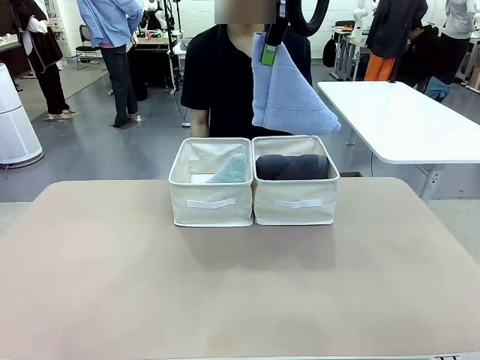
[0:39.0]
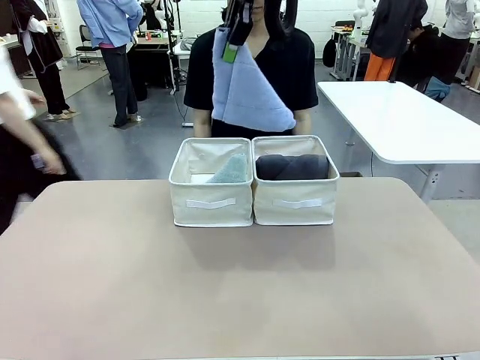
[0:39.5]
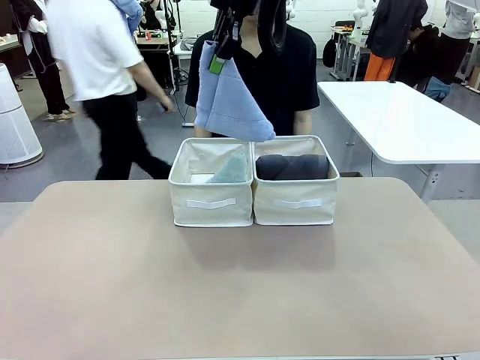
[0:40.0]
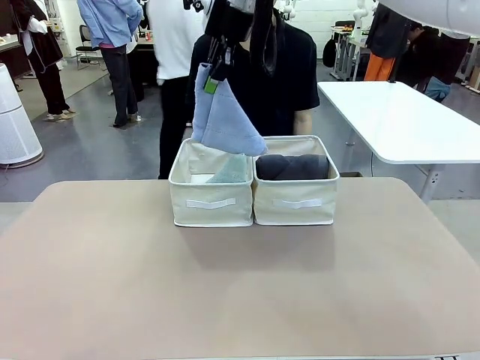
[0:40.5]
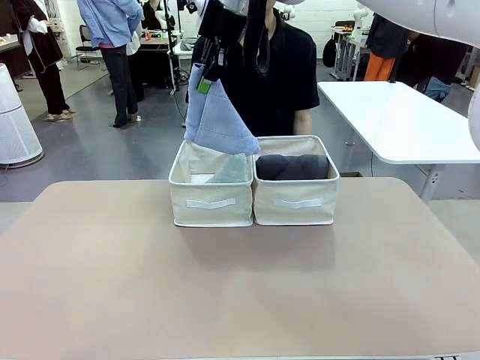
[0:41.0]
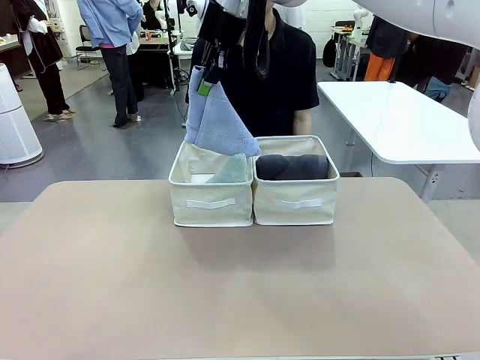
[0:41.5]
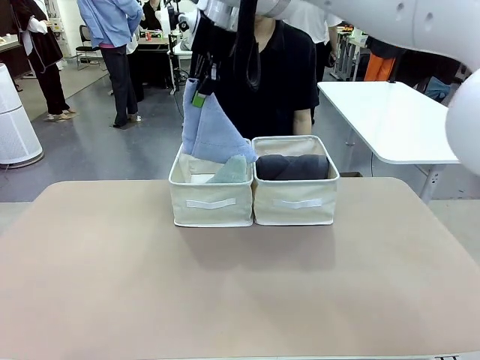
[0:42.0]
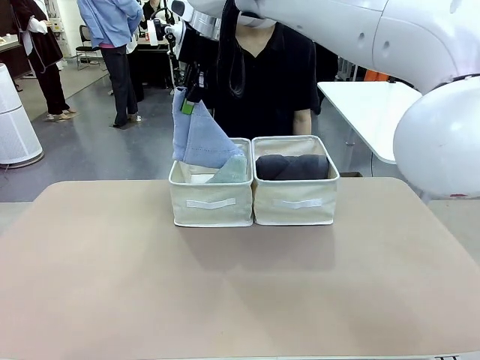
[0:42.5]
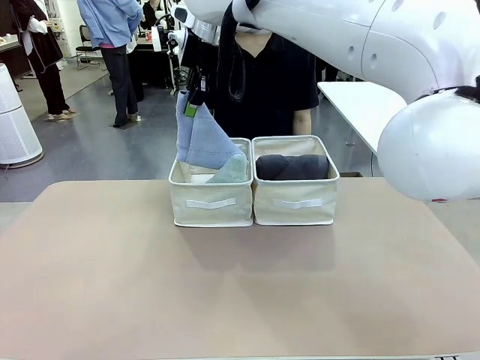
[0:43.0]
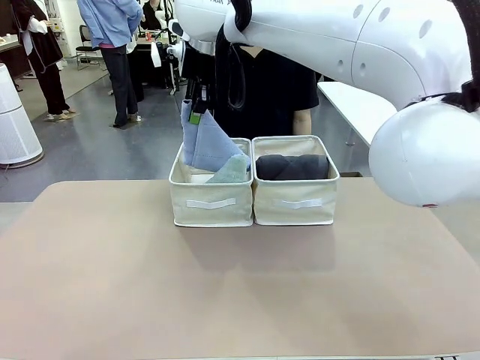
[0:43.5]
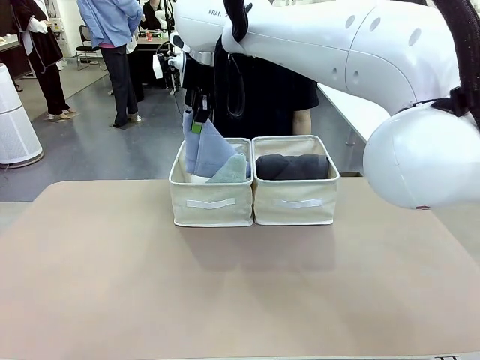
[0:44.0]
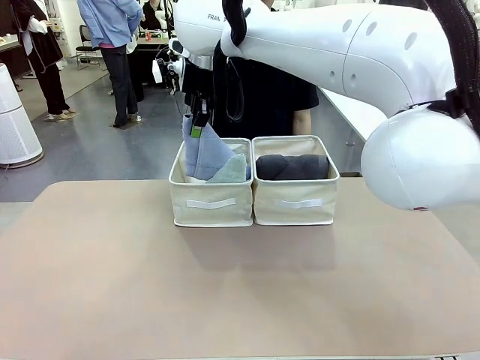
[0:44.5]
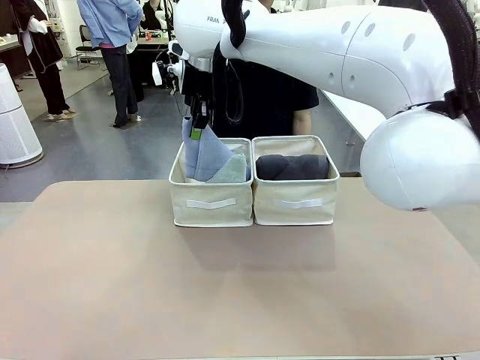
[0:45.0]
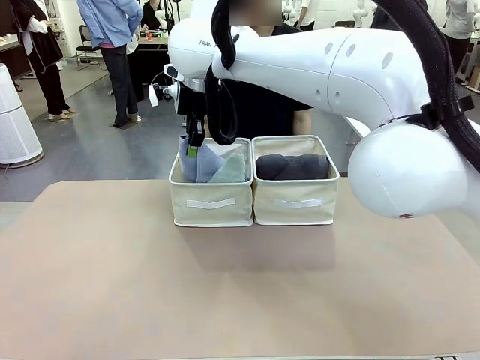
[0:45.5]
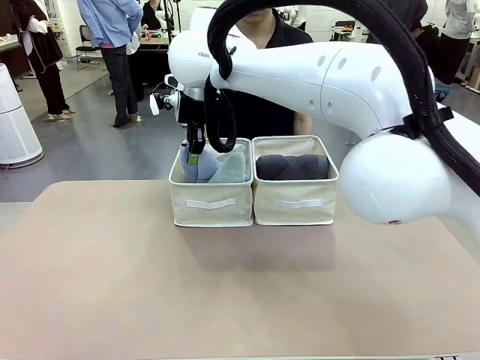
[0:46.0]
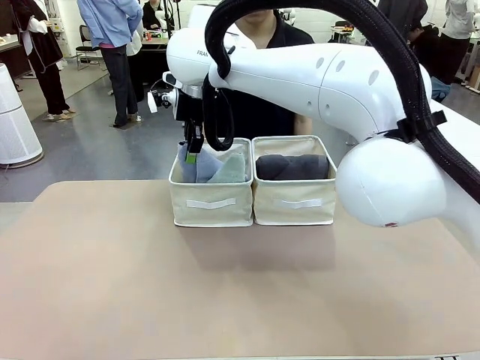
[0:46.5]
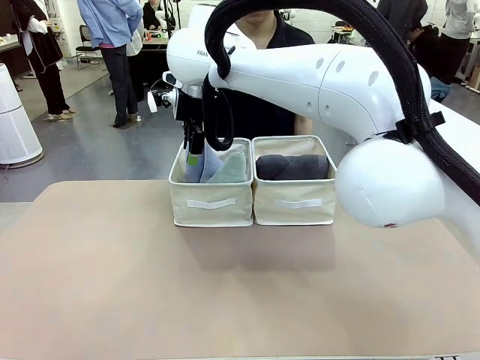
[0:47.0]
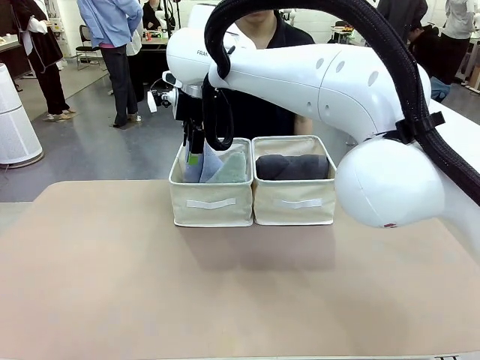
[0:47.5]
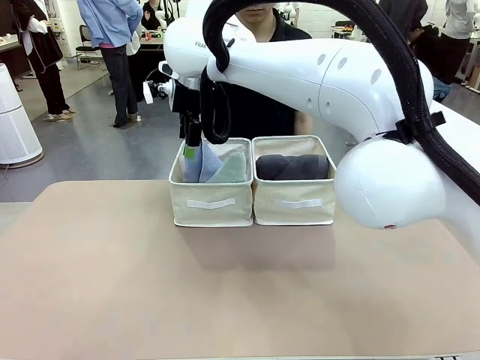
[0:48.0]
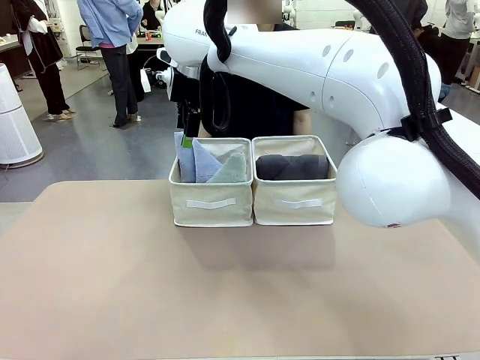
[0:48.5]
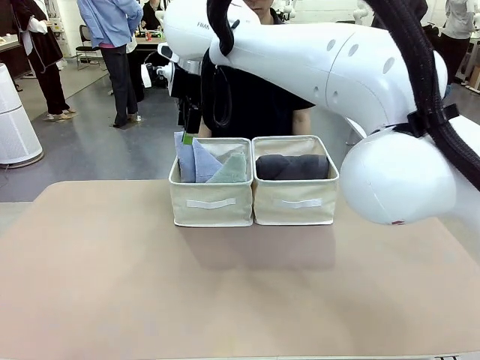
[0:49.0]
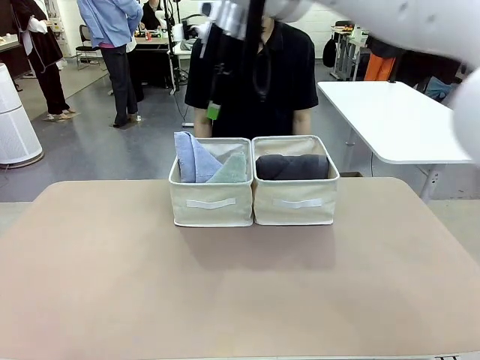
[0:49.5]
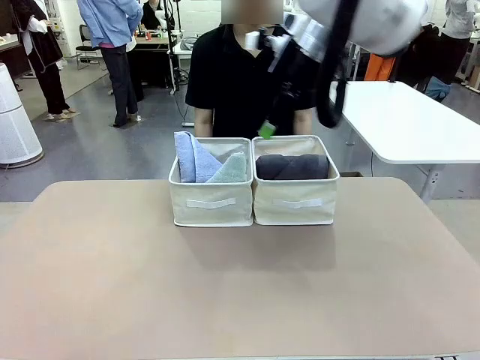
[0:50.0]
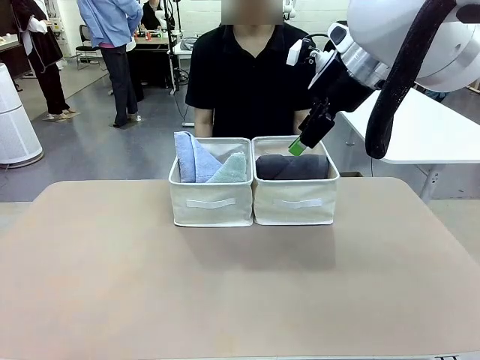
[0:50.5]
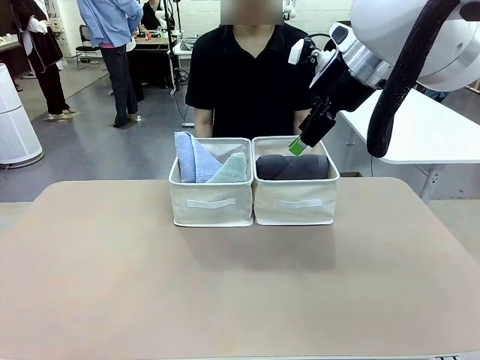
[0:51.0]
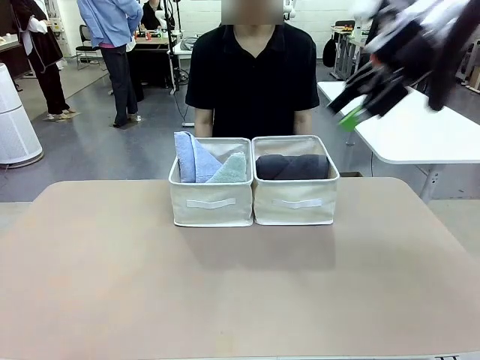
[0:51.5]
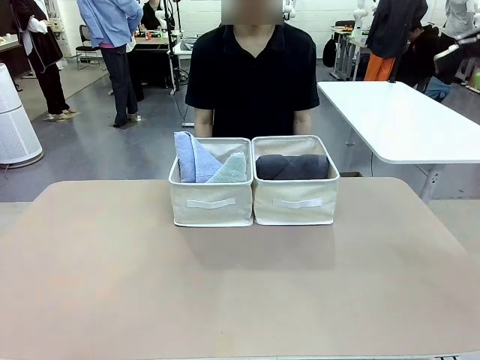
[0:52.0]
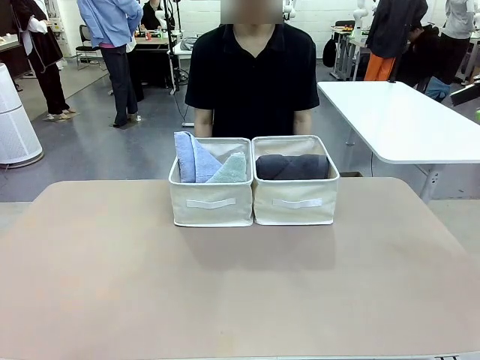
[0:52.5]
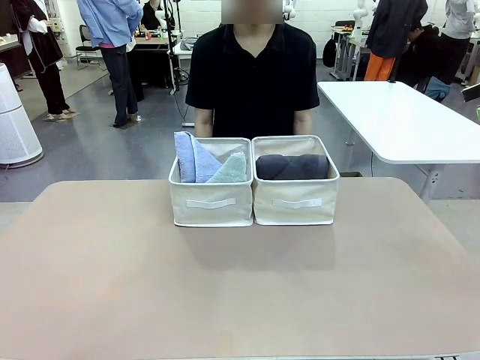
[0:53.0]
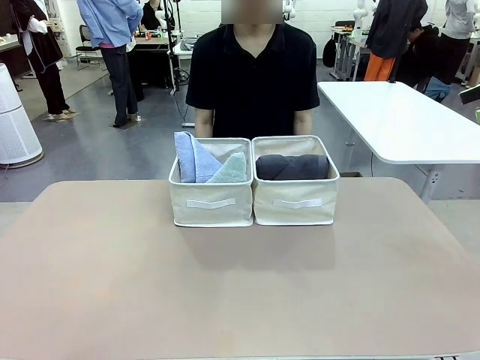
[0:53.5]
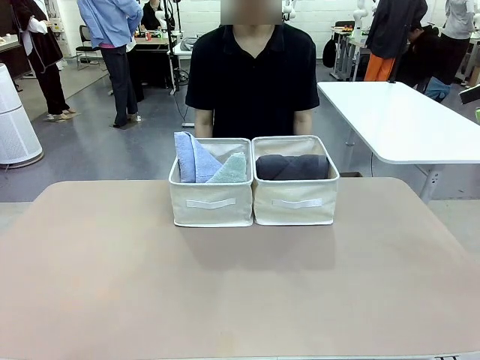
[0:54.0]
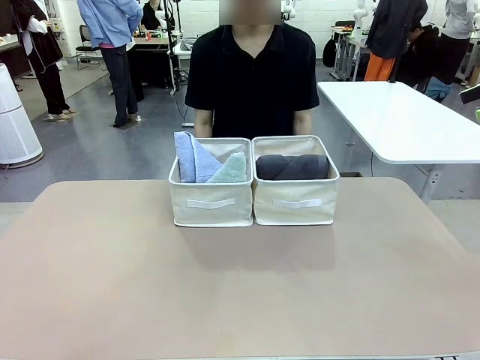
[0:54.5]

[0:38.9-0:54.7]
Task: Sort the towels based on their folding style.
Robot: Pick up another triangle-folded towel from the table and place it in the left Fabric basket.

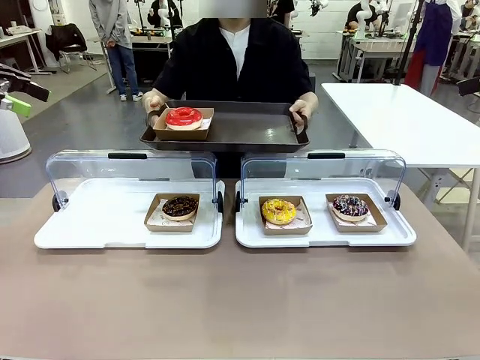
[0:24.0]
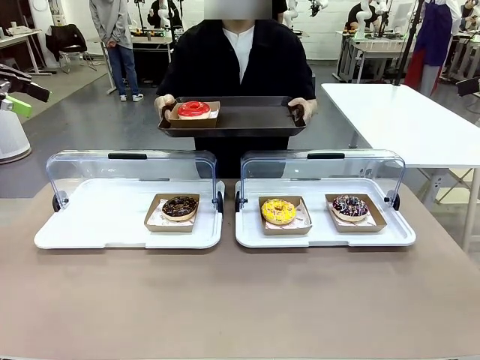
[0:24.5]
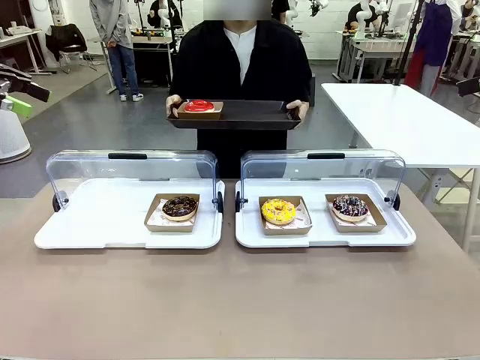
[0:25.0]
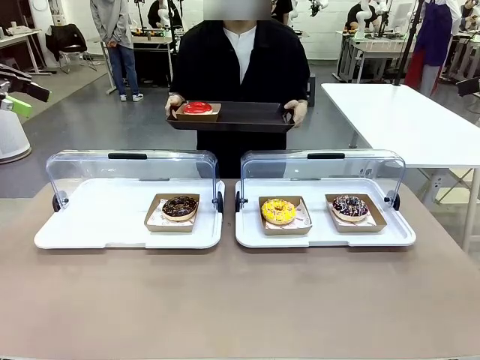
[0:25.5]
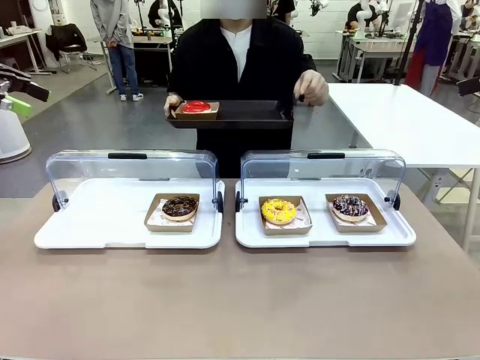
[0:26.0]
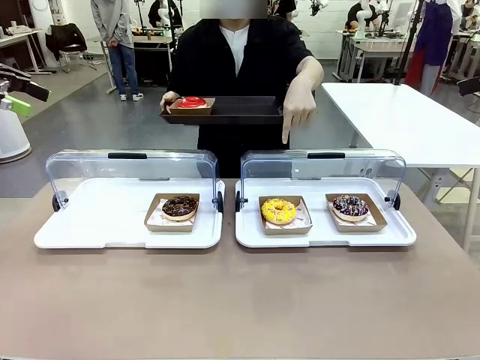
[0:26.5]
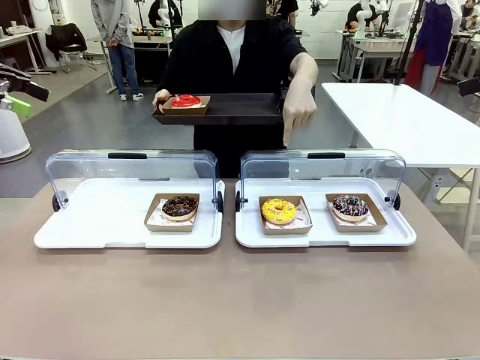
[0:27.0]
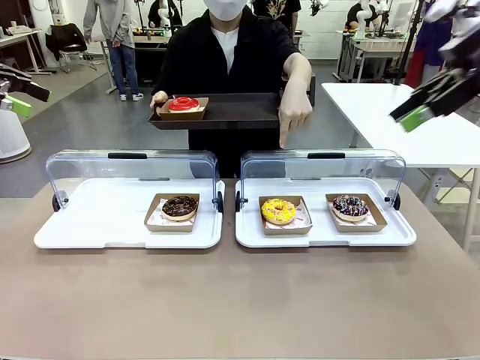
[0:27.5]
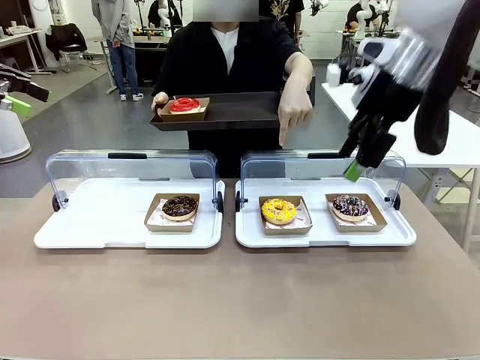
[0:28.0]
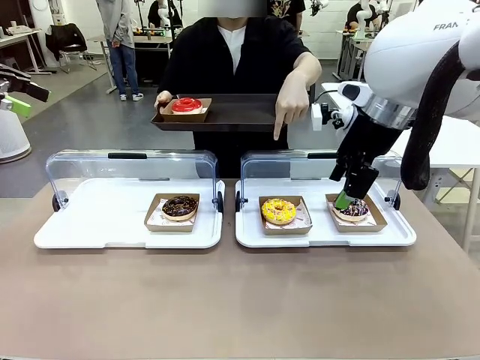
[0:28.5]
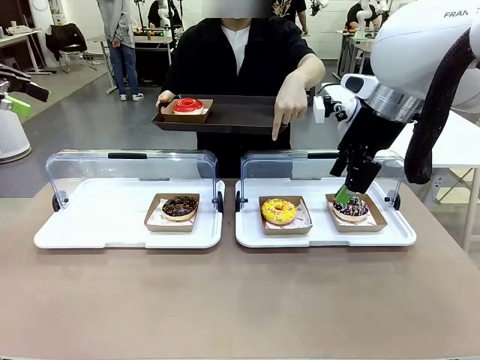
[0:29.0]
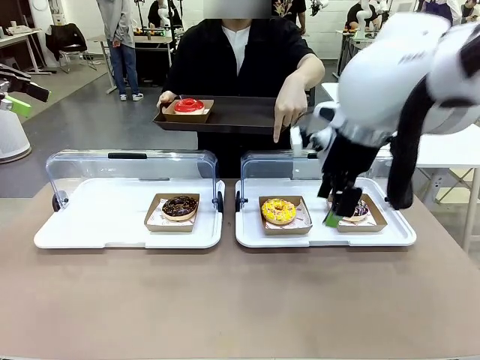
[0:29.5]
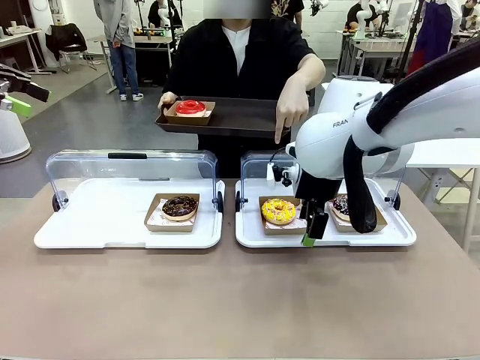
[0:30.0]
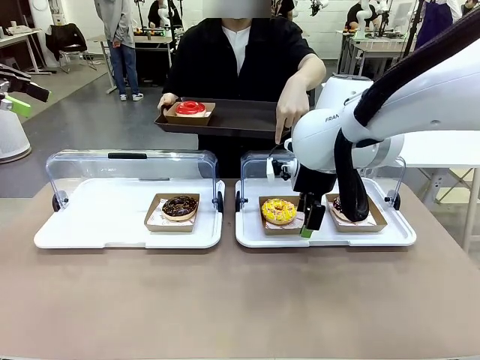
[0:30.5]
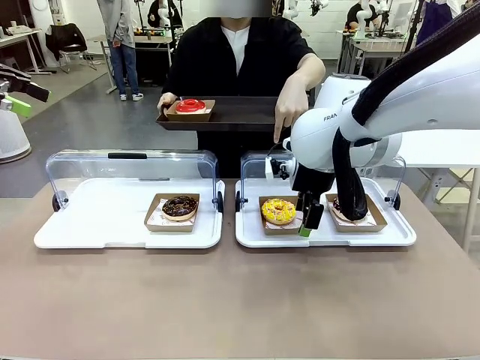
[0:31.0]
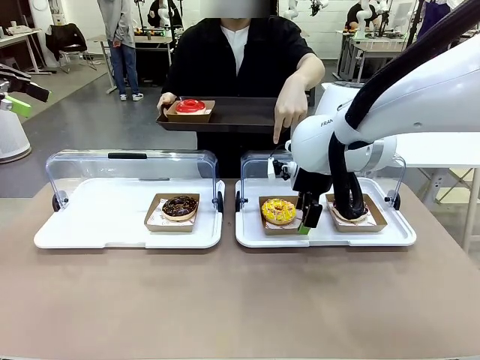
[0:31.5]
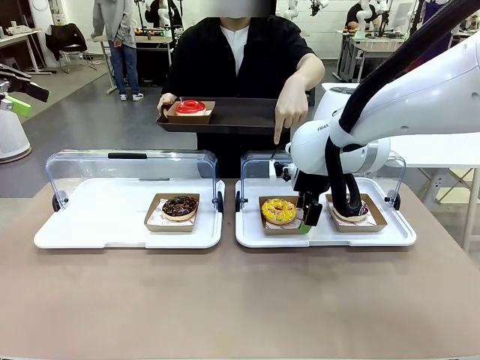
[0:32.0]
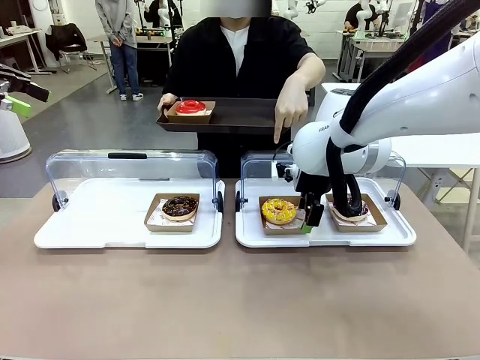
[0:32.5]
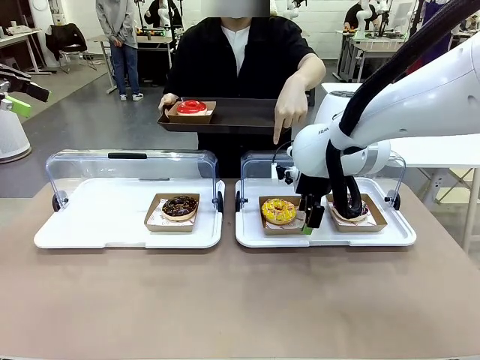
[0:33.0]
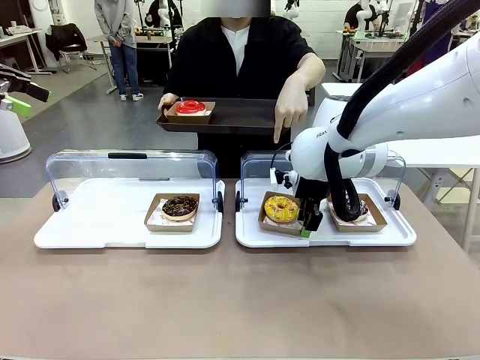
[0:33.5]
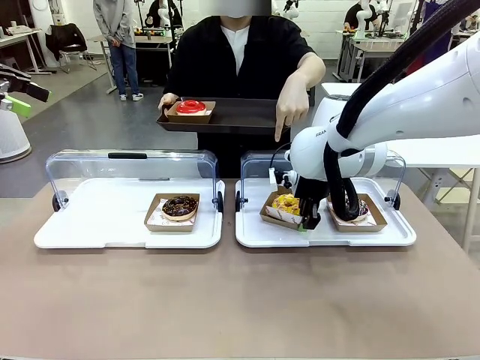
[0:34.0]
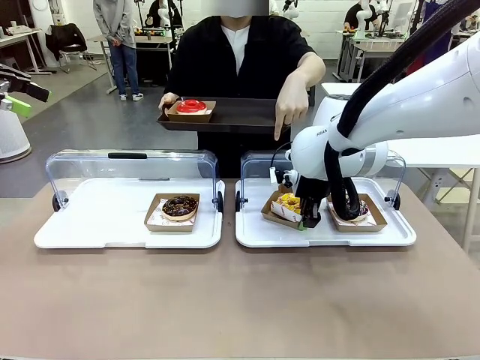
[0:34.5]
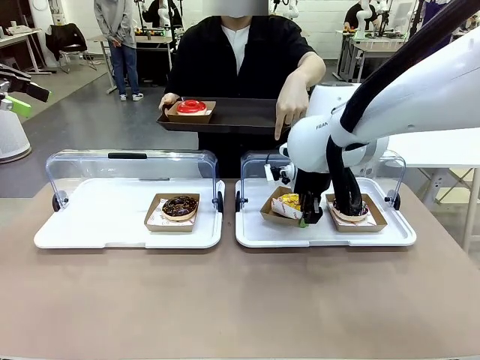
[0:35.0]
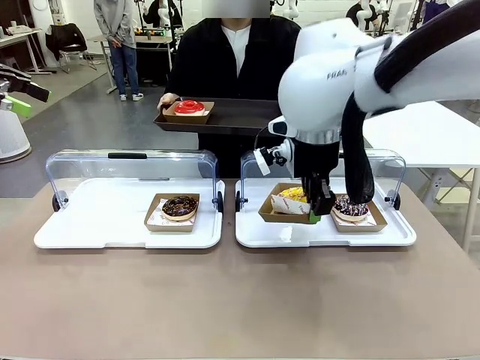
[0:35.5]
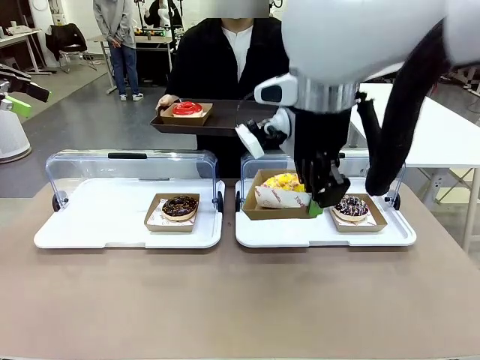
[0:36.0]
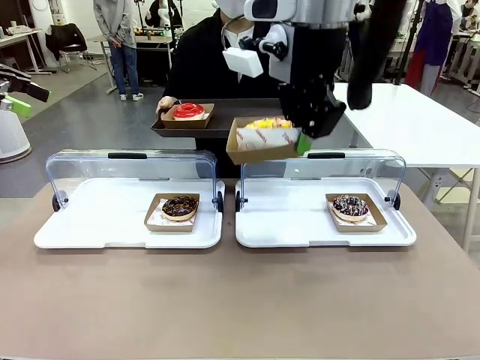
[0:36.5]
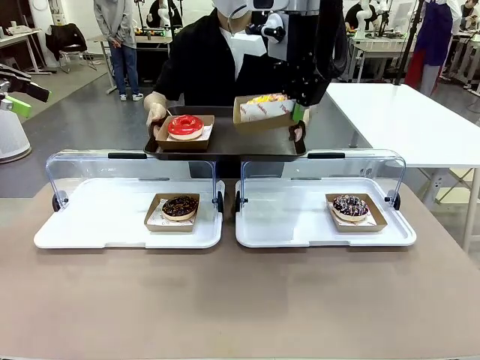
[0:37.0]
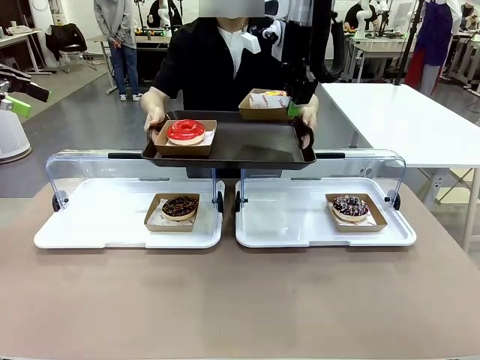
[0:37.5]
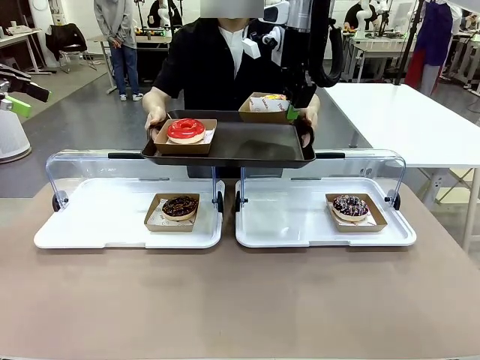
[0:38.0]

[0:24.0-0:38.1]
Task: Provide the desired donut to the person.
Robot: Pick up and lift the Paper togo box containing the Donut pointed at by the person.
Person: Point to one donut. Lift the tray onto the Roll-Top Bakery Case.
